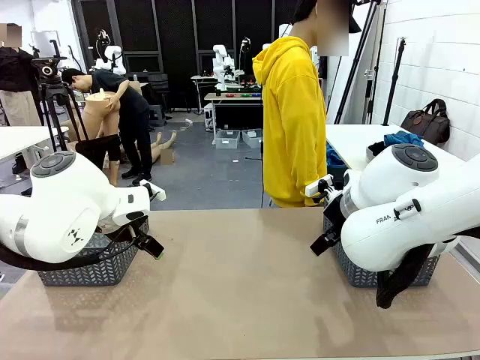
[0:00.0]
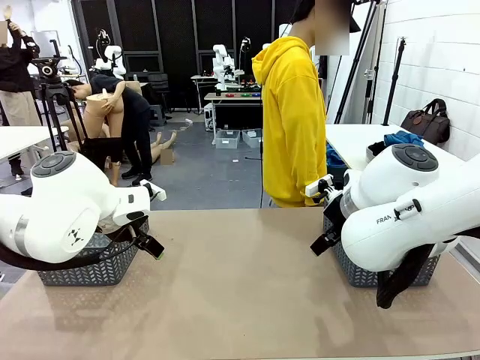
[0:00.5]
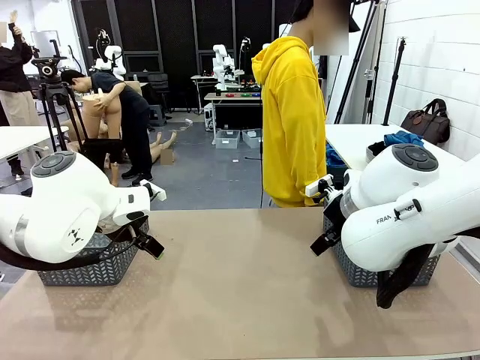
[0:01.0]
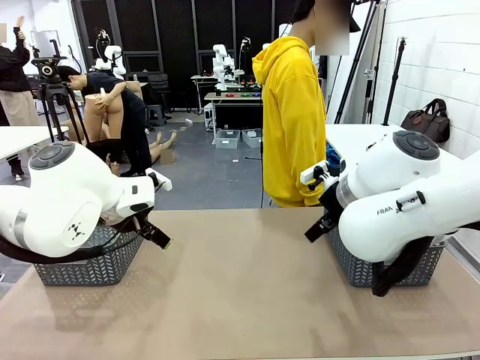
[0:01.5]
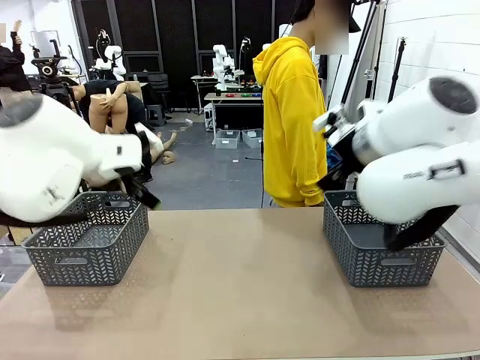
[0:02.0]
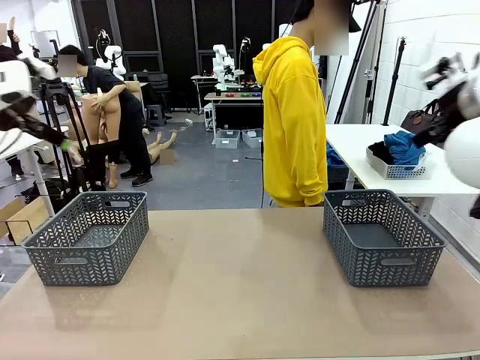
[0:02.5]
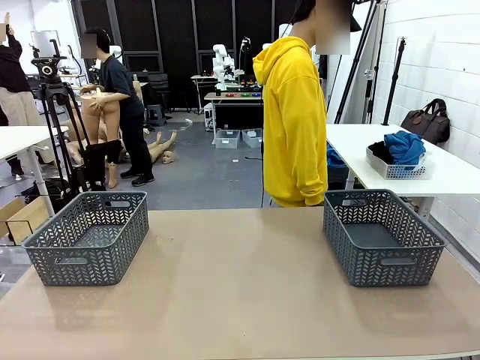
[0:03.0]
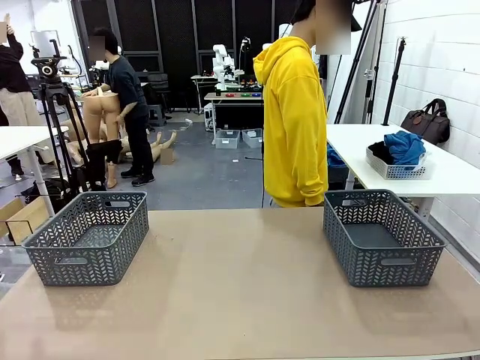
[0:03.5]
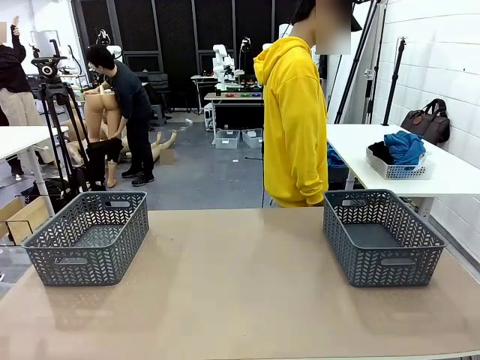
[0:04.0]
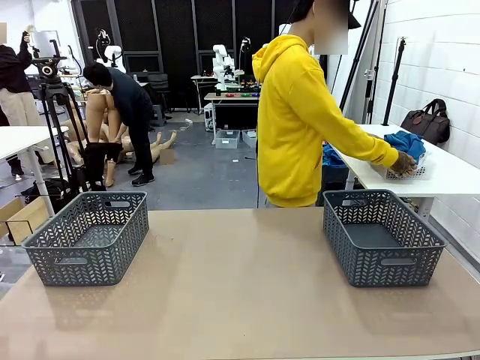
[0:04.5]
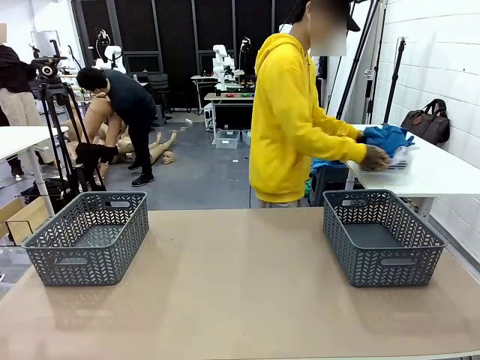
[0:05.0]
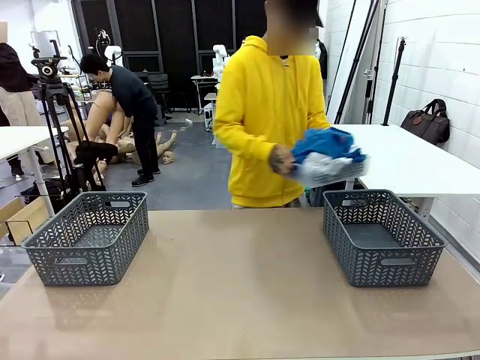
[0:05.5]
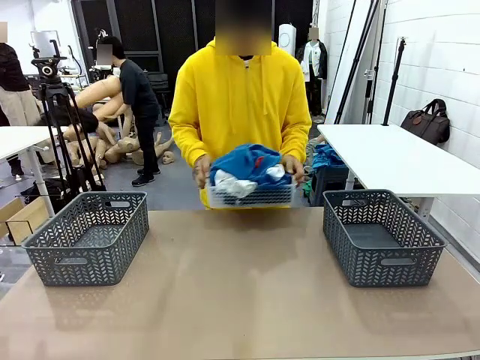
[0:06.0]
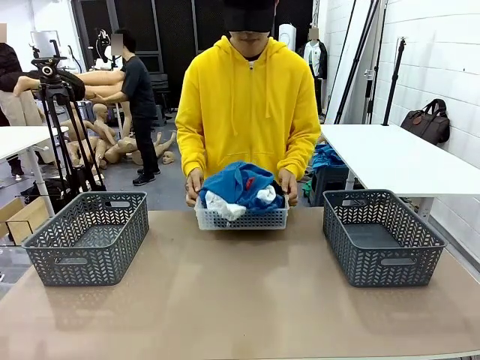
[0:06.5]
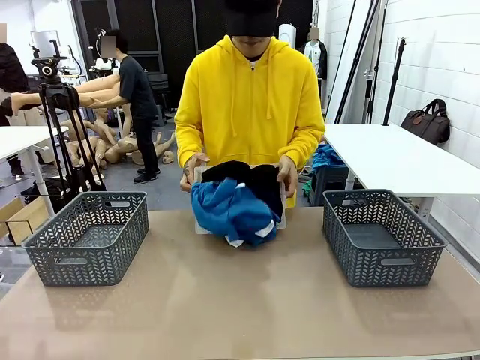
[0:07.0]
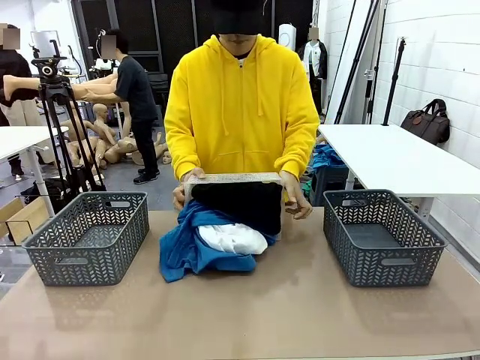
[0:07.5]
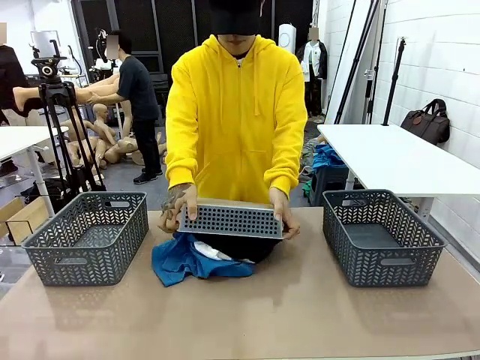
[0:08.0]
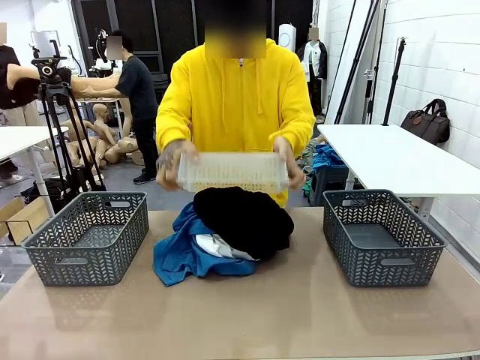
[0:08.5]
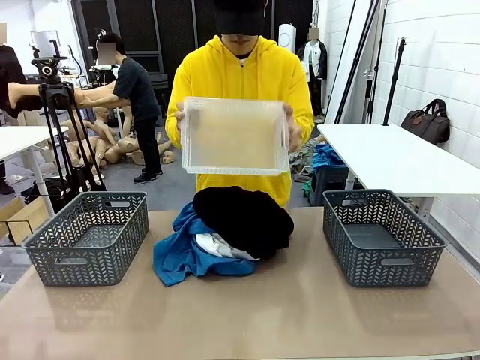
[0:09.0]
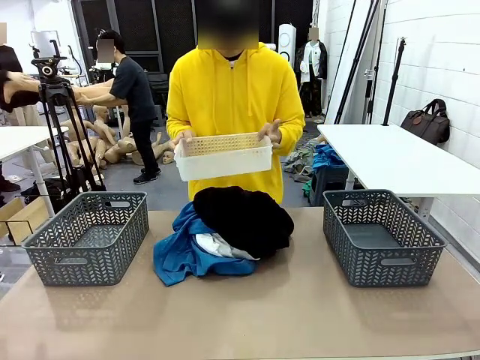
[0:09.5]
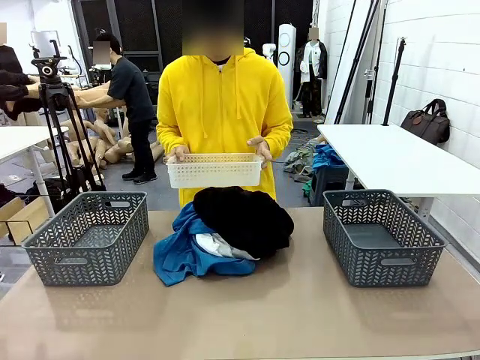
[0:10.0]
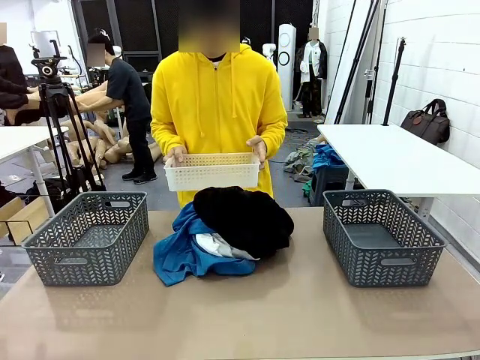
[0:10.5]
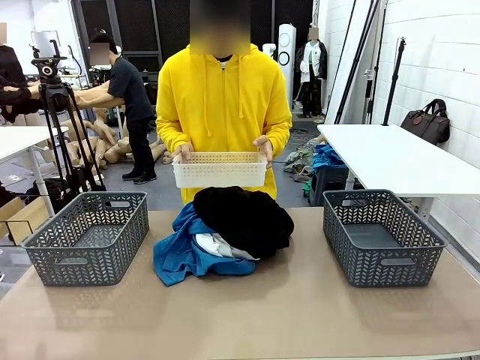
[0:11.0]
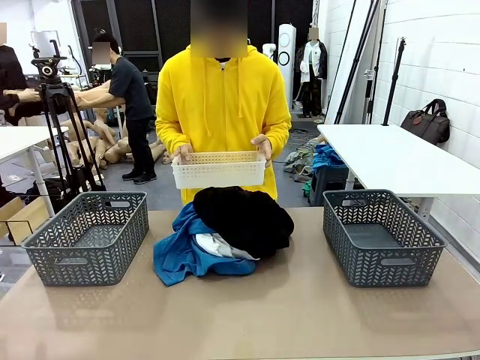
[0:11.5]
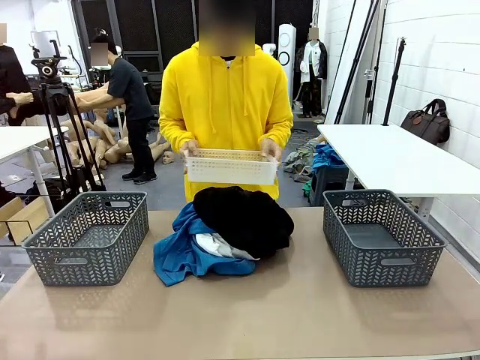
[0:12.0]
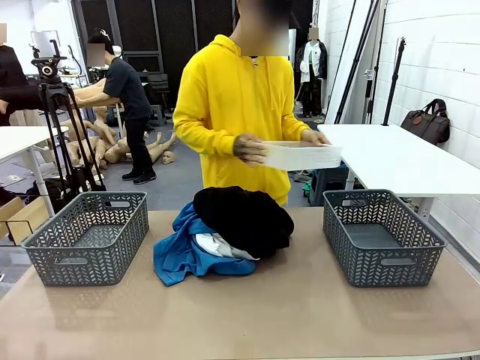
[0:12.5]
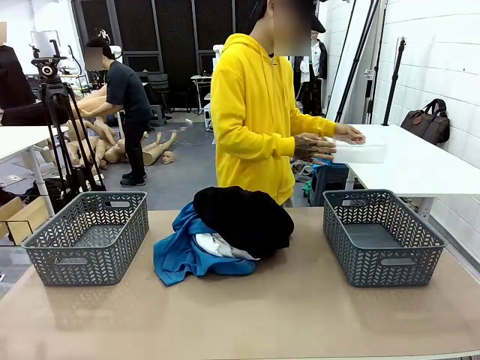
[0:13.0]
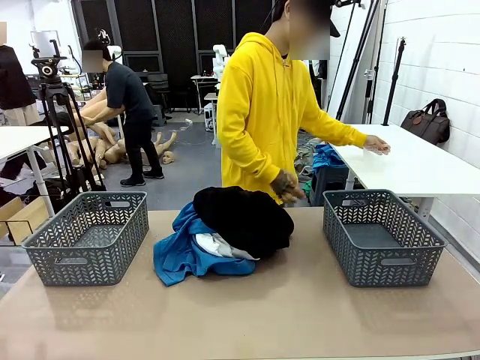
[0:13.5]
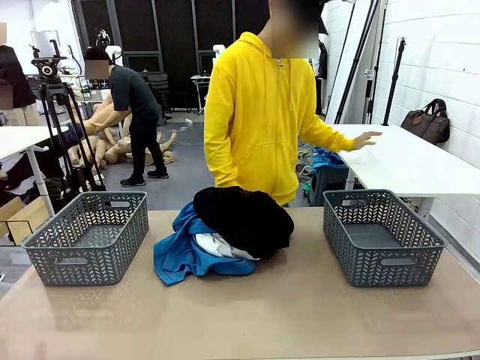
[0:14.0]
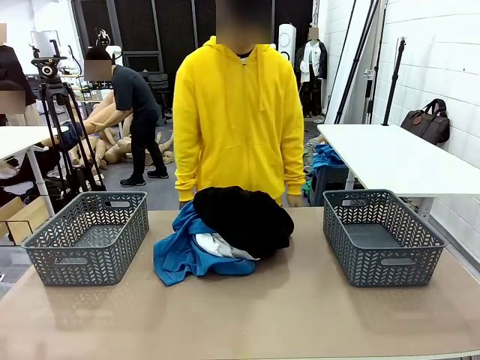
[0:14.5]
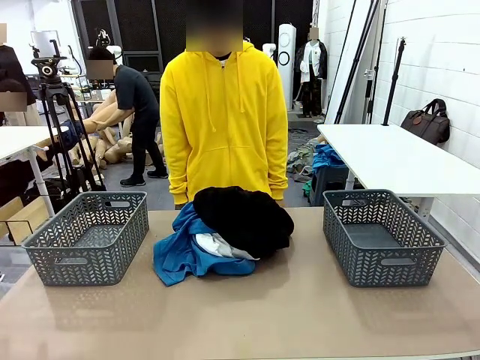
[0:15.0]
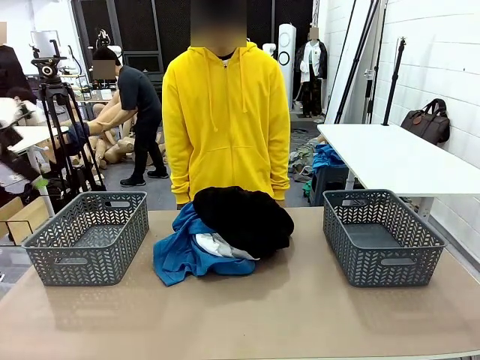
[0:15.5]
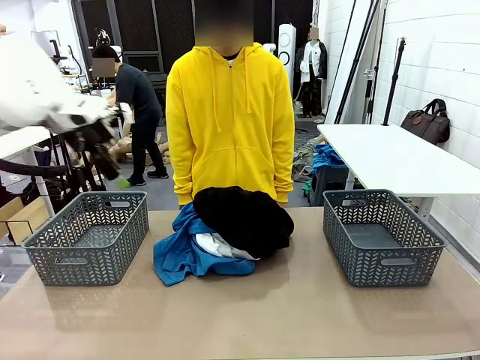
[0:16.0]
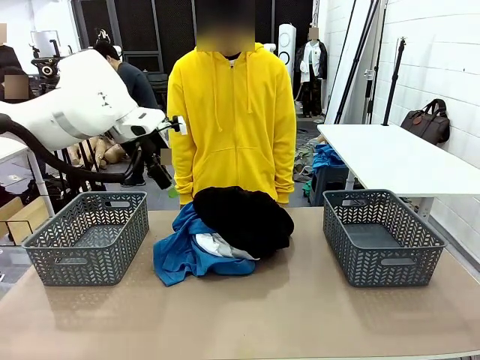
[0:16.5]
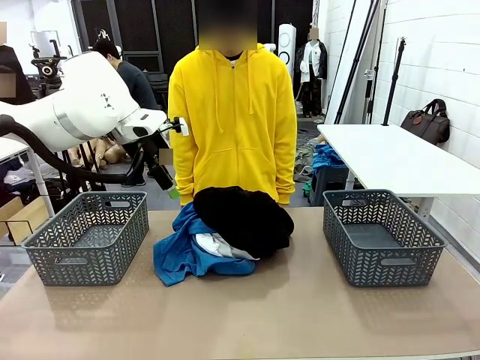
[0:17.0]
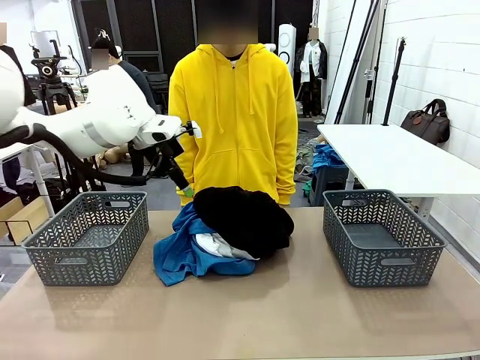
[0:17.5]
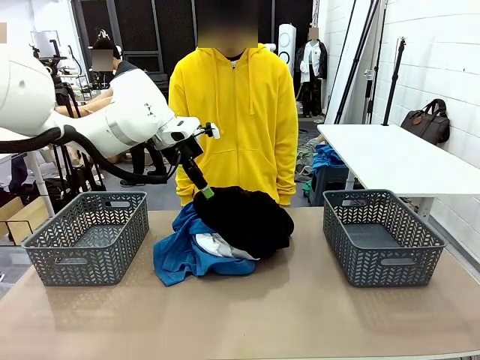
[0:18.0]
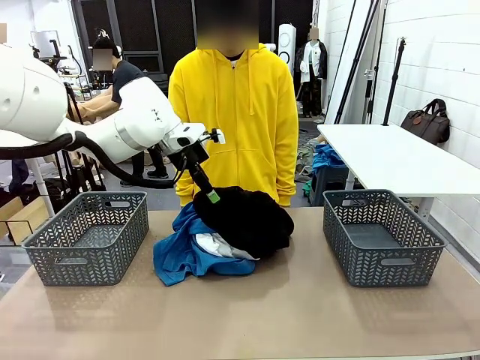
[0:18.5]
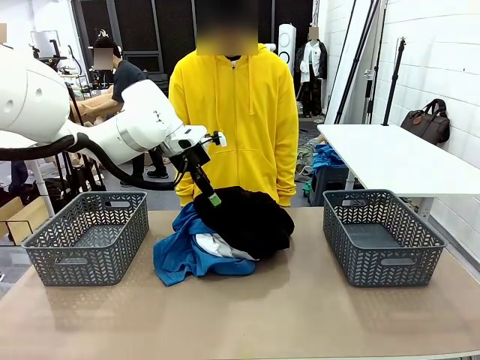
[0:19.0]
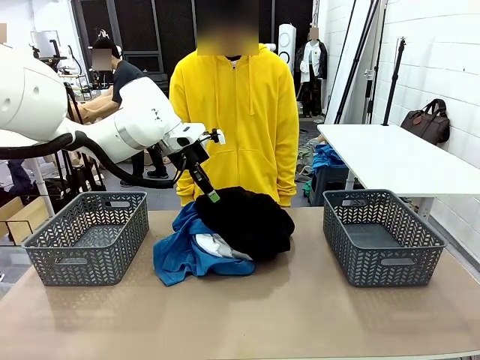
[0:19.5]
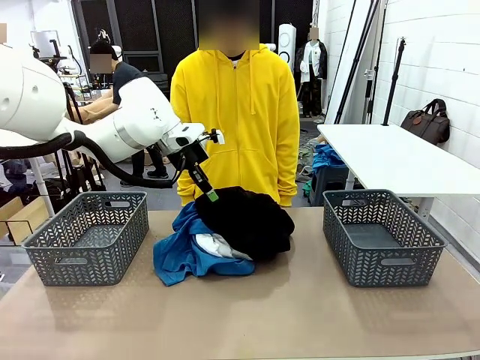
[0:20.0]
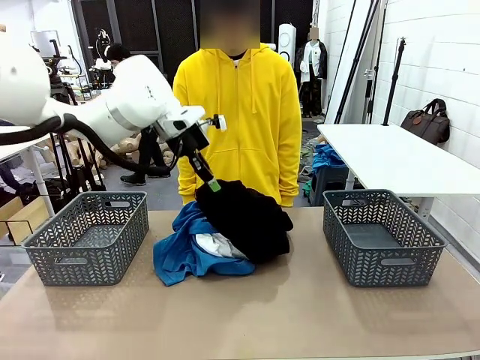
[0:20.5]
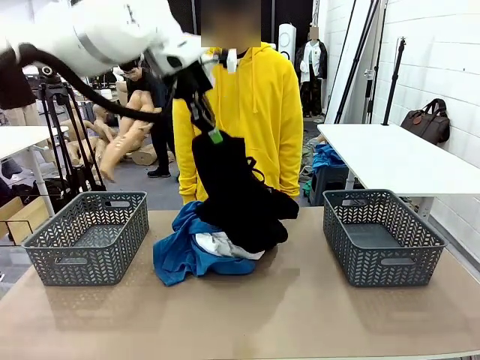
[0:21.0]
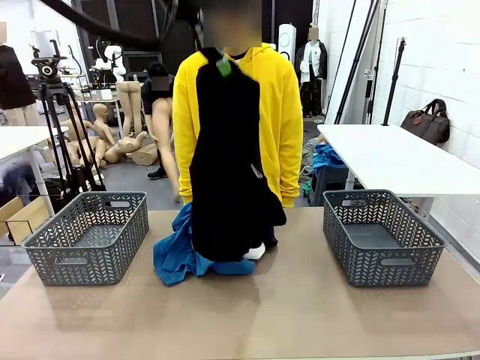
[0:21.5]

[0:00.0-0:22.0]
Task: Sort the tops and bottoms.
Robot: Lift clothes from the center of the table with your left hand.
Person: Pour the clothes from the basket onto the center of the robot table.
